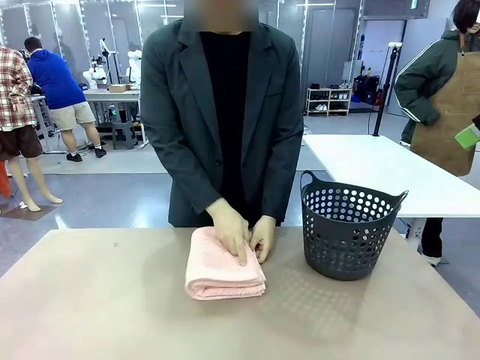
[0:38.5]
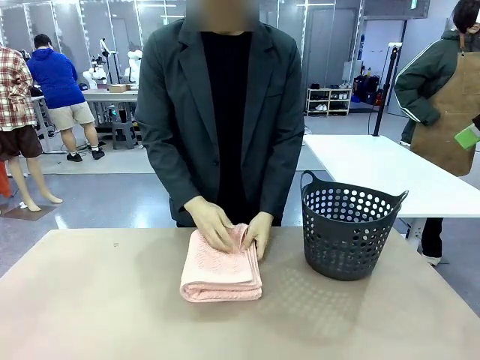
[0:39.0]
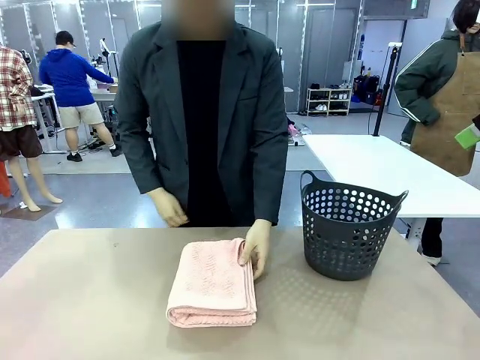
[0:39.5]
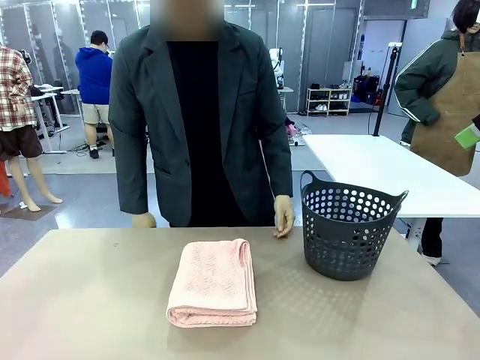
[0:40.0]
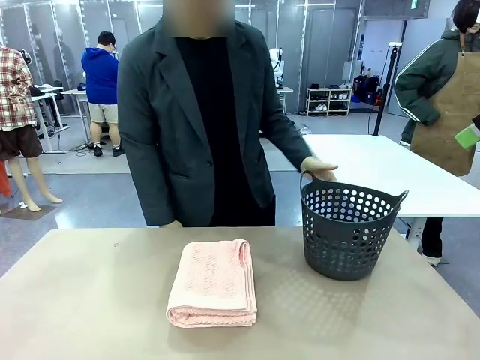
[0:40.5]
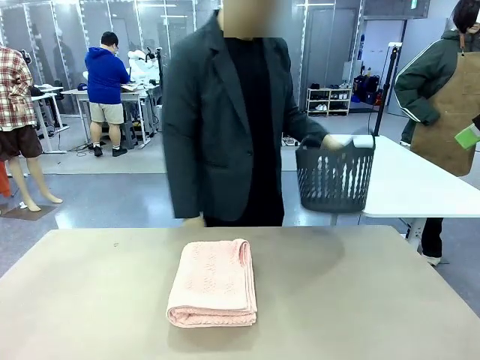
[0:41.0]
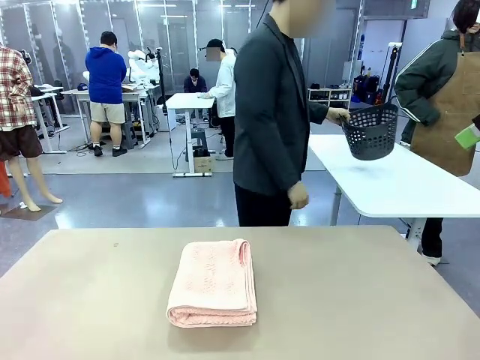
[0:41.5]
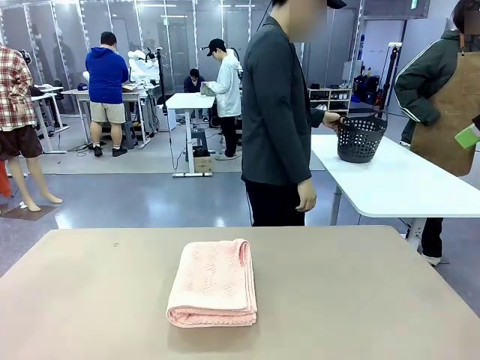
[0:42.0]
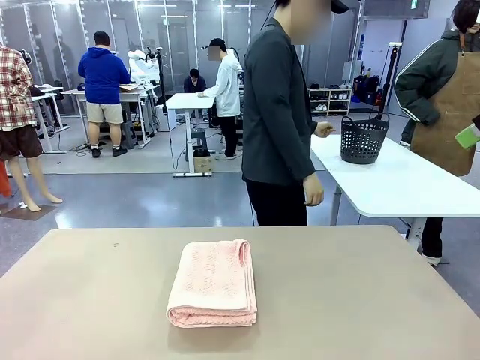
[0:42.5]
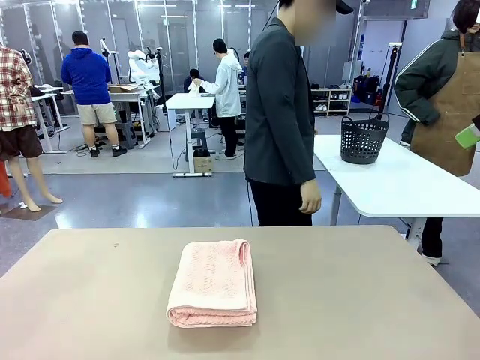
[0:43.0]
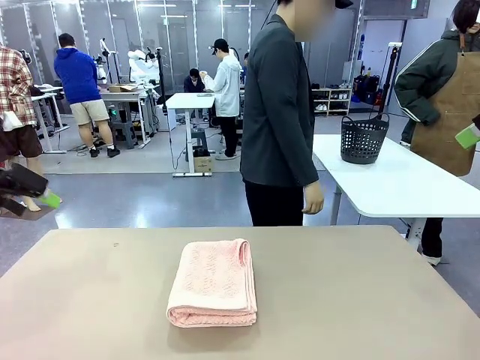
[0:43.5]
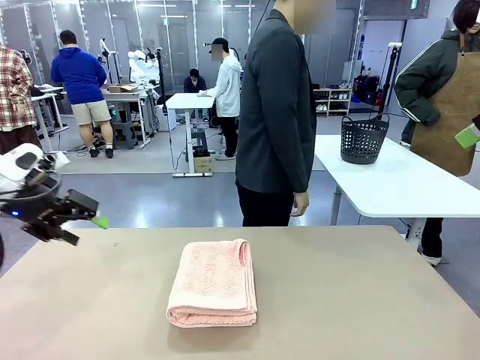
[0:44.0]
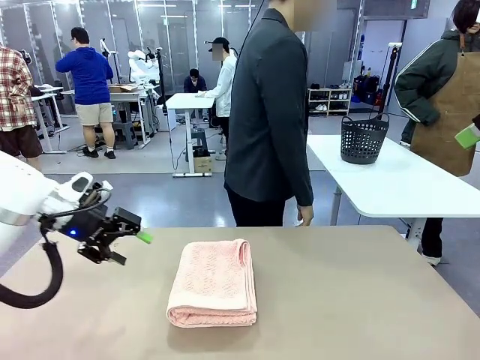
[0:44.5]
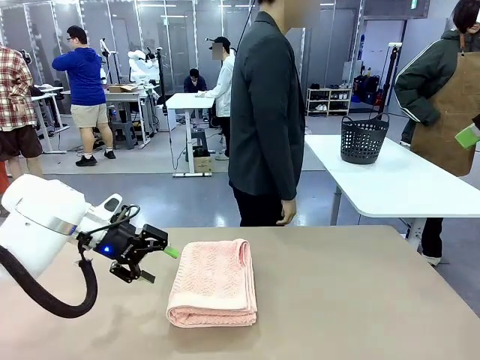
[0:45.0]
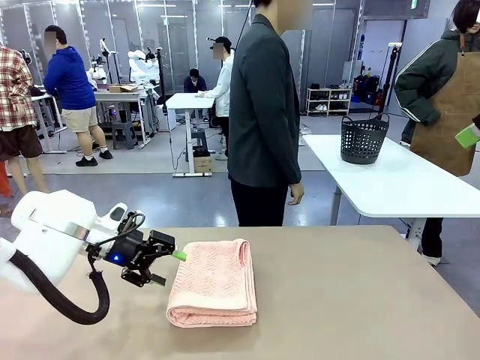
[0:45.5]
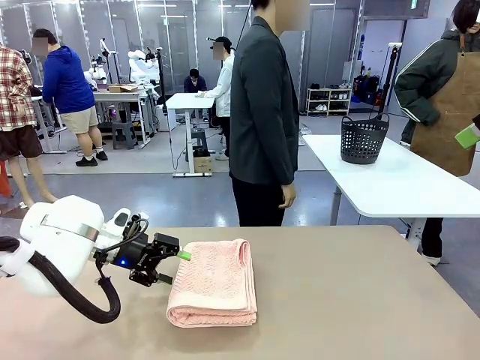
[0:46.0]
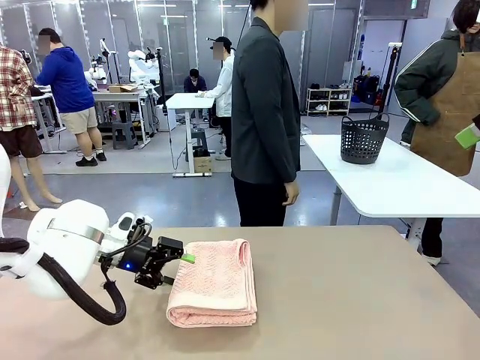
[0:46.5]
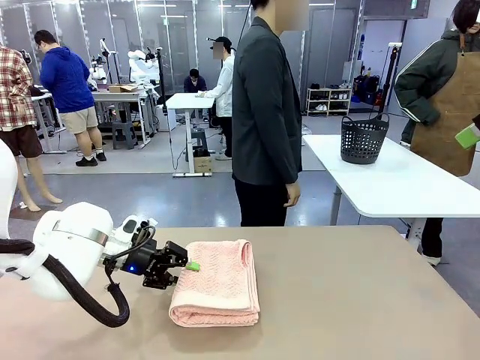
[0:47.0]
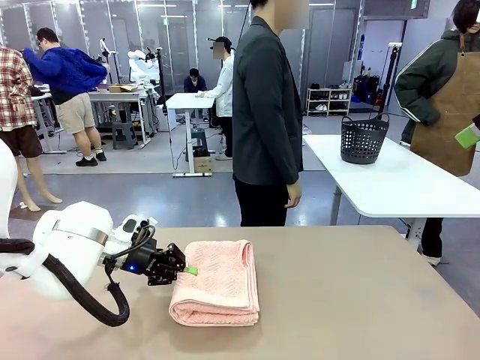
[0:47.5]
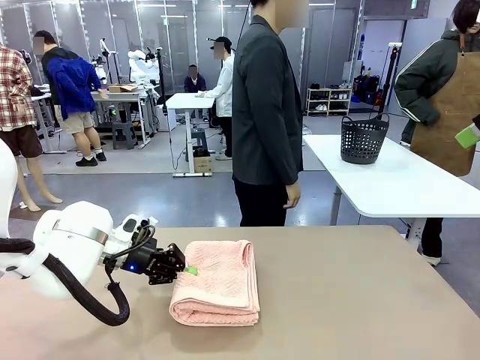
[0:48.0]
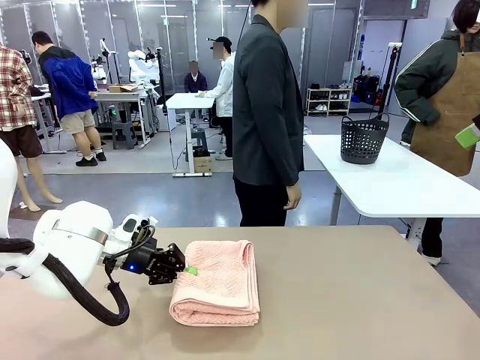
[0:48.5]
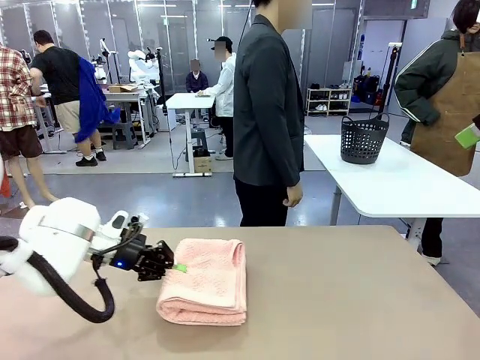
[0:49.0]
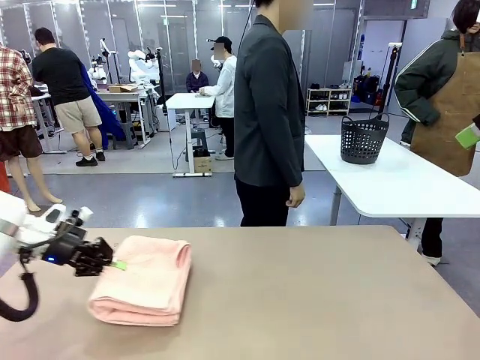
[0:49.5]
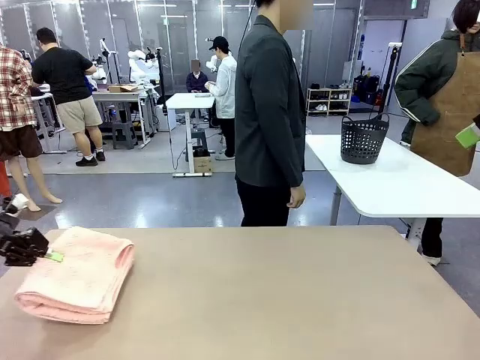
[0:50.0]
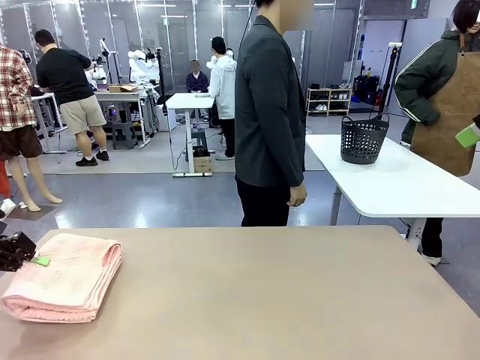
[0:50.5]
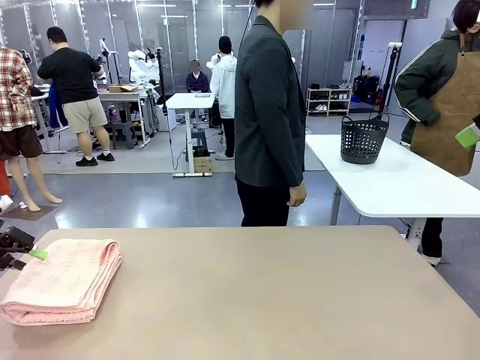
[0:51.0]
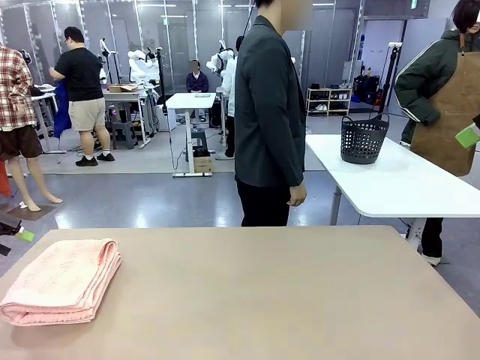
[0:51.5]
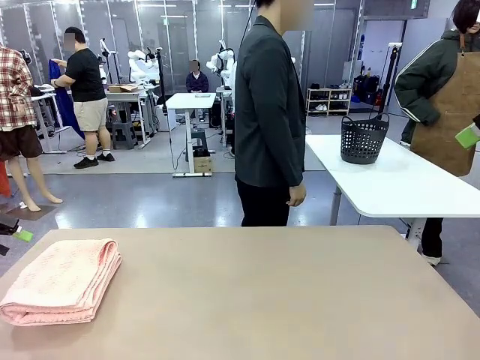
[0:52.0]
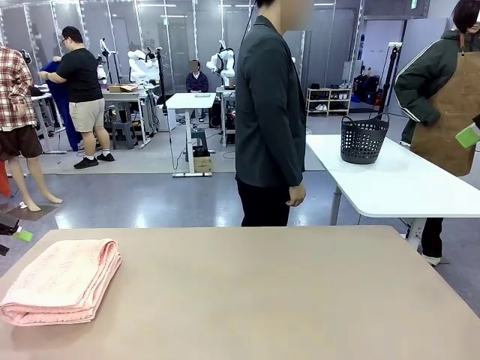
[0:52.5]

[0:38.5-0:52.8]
Task: Fold the towel.
Robot: Pick up the 100 cm Hotel Towel and place it on the left side of the table.
Person: Pick up the laundry basket and place it at the center of the human table.

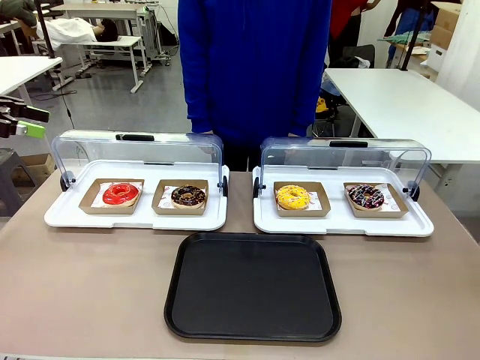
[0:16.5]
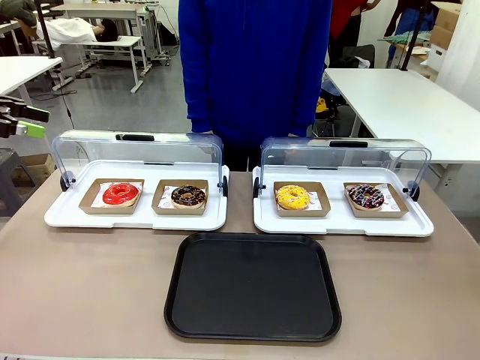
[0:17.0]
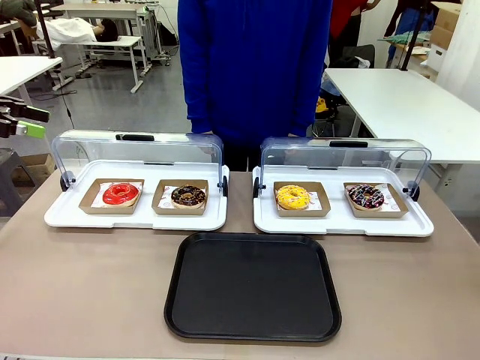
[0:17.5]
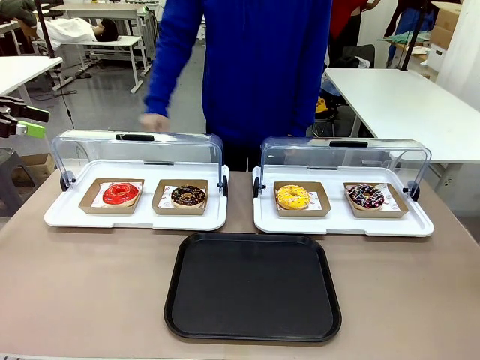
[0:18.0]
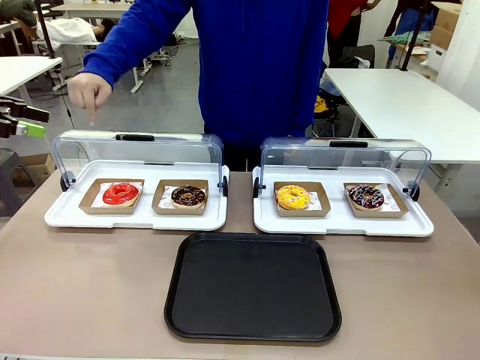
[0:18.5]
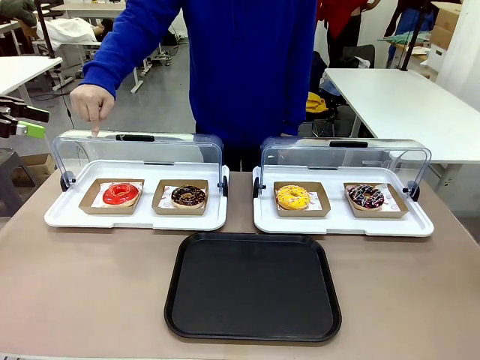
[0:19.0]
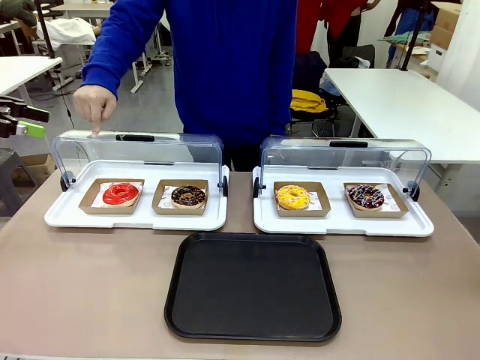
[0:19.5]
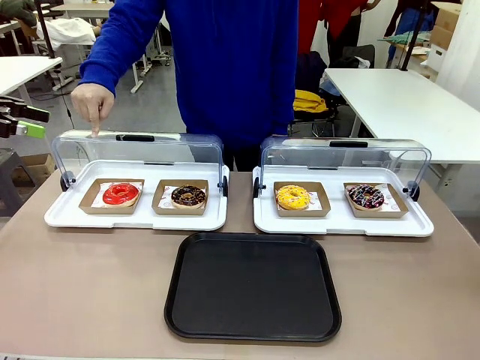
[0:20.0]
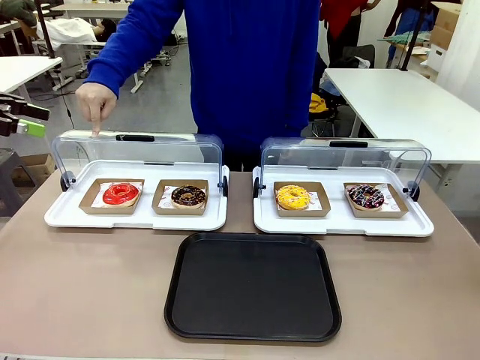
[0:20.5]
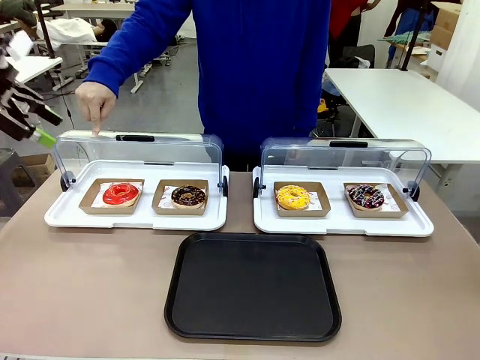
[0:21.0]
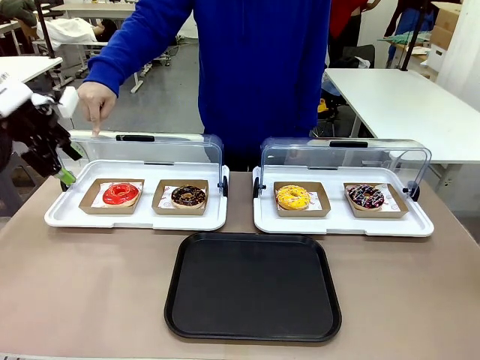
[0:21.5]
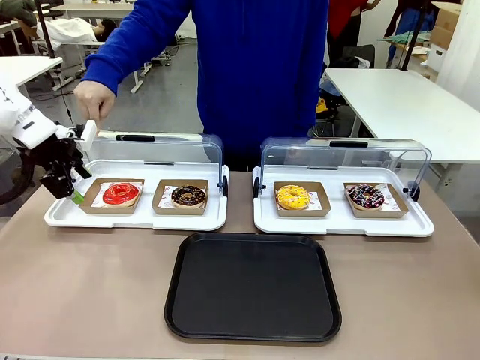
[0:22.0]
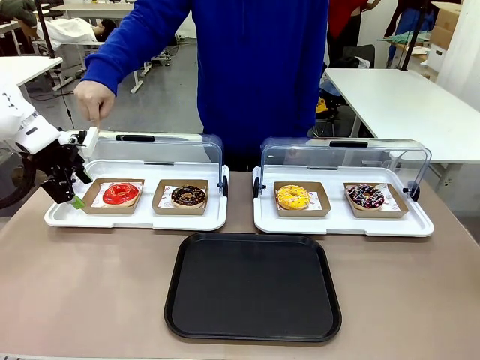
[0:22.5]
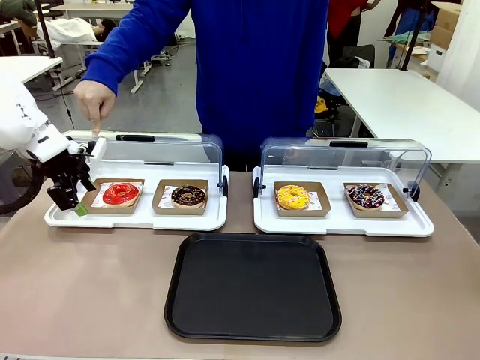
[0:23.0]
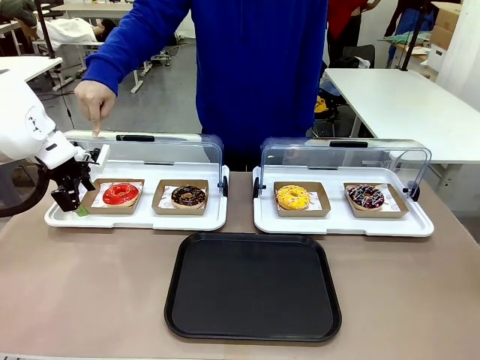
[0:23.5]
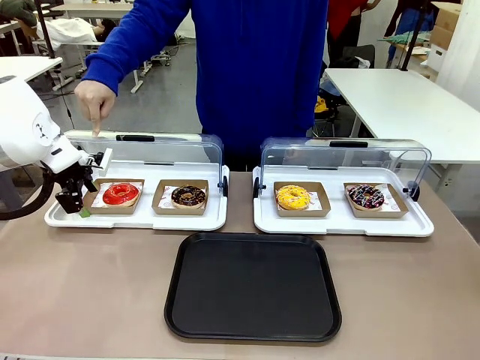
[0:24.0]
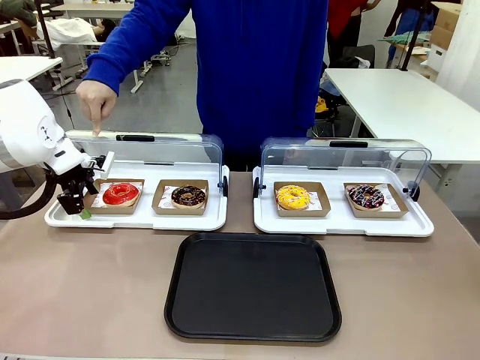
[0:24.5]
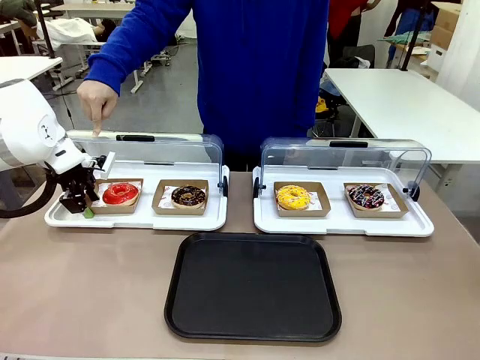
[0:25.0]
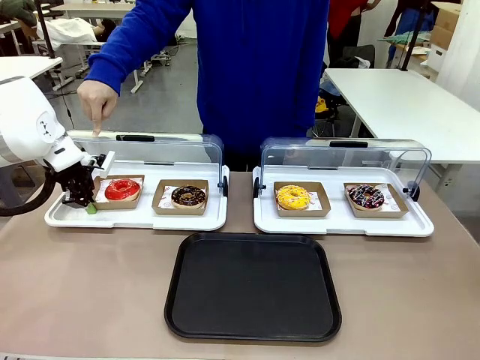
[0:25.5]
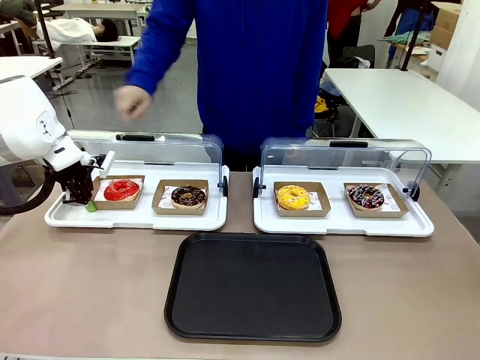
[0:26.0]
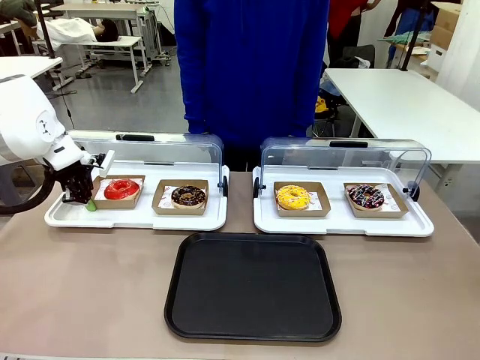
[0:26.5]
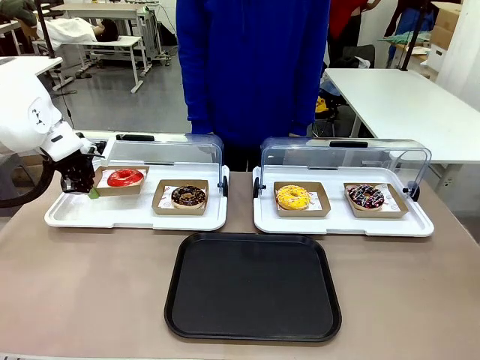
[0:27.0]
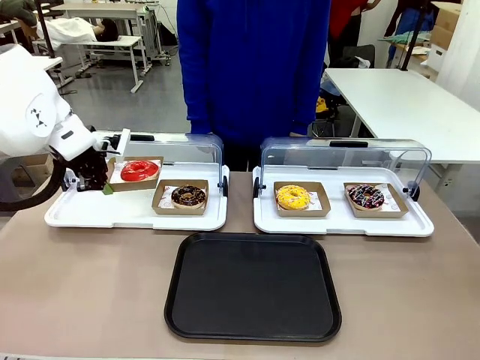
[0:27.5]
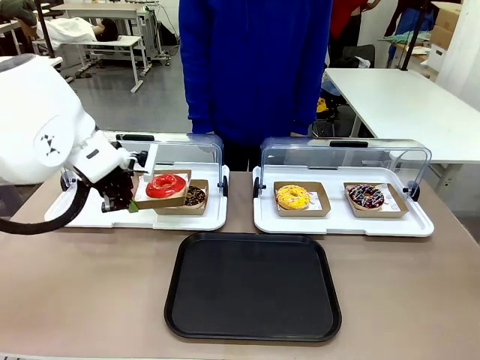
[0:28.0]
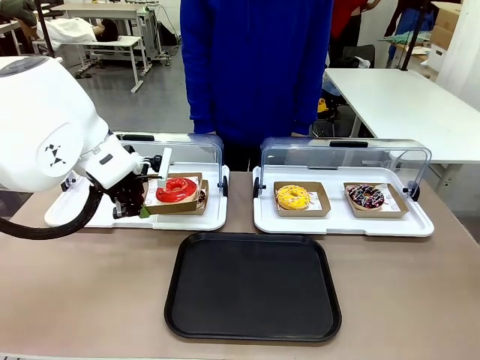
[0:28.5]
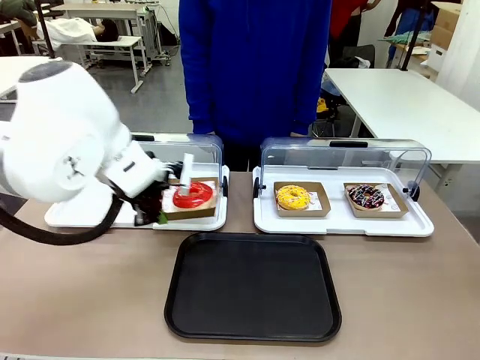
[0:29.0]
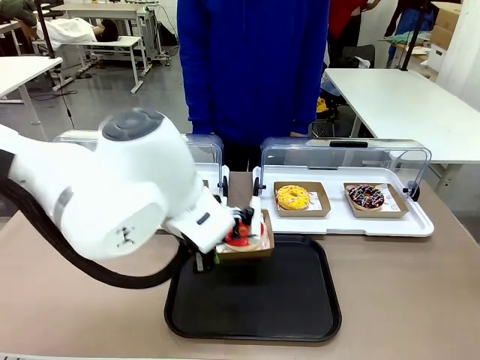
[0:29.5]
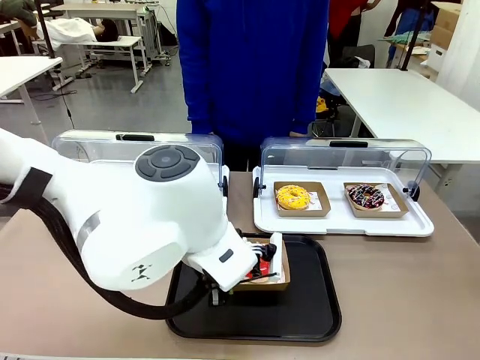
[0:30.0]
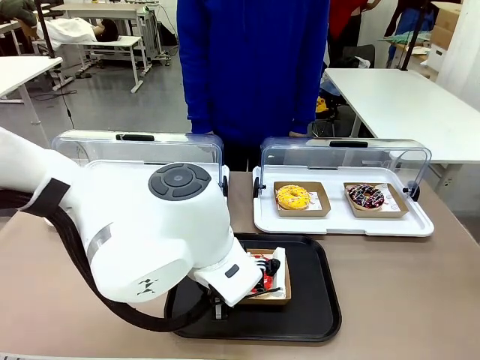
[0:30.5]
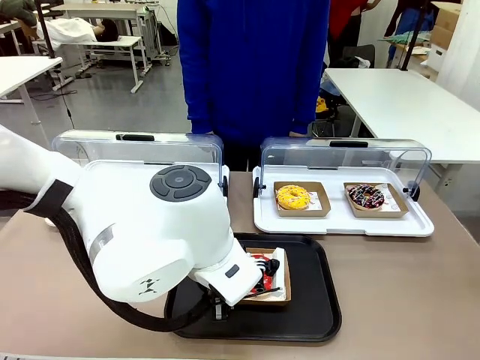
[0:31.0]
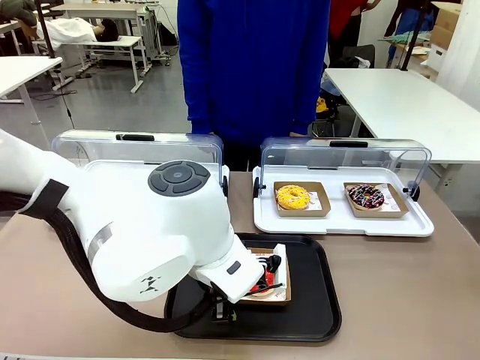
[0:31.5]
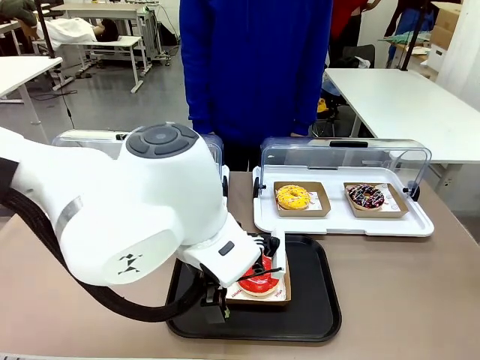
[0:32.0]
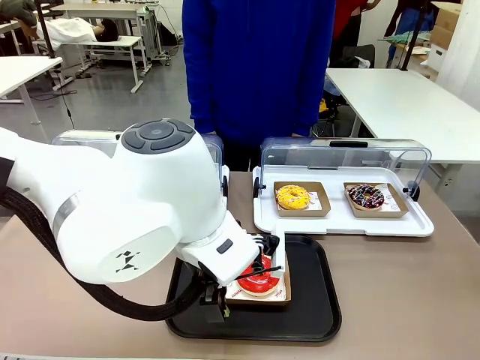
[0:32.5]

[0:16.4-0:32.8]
Task: Move the first donut from the left to the tray.
Robot: Pick up the Paper togo box containing the Donut indicated by the person and place it on the Handle tray.
